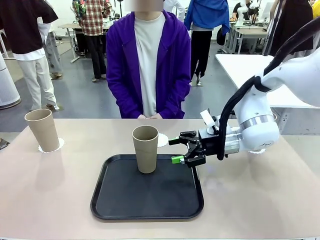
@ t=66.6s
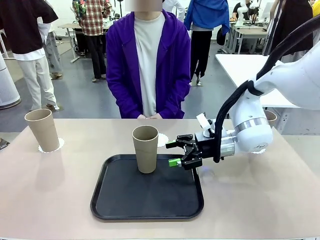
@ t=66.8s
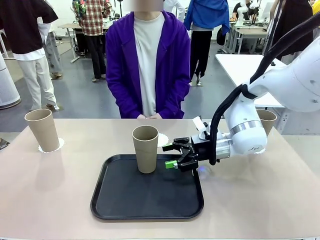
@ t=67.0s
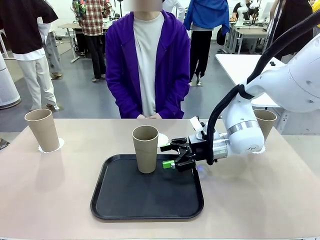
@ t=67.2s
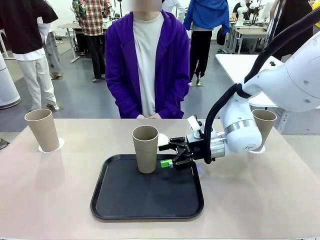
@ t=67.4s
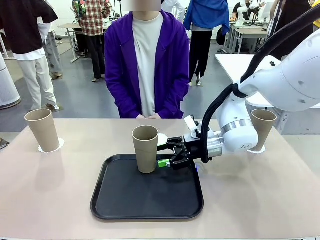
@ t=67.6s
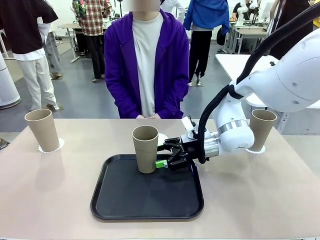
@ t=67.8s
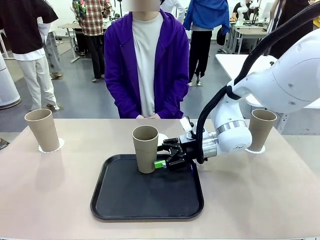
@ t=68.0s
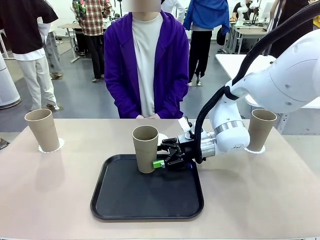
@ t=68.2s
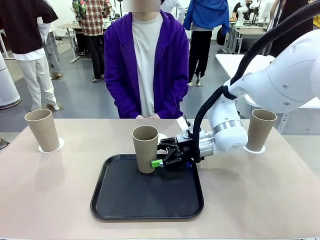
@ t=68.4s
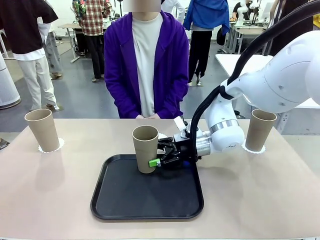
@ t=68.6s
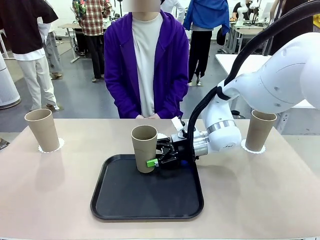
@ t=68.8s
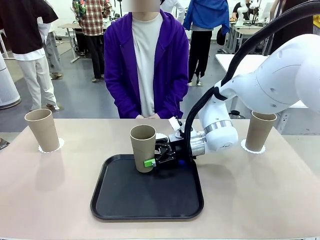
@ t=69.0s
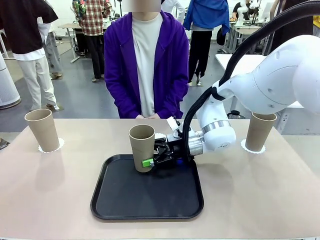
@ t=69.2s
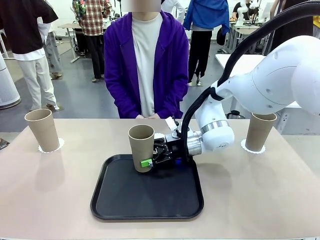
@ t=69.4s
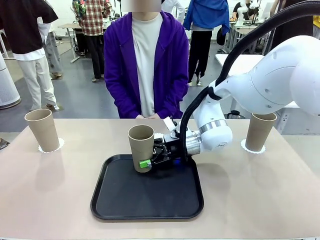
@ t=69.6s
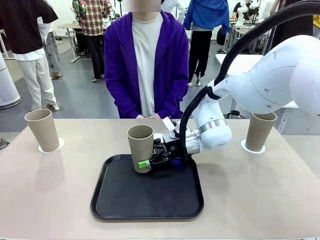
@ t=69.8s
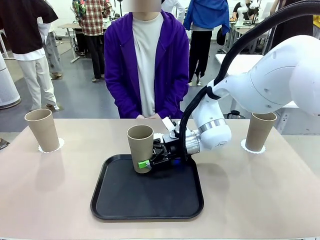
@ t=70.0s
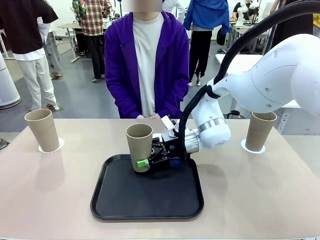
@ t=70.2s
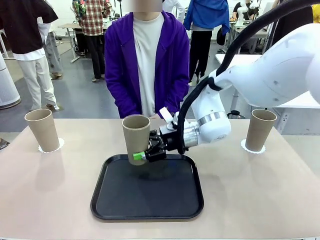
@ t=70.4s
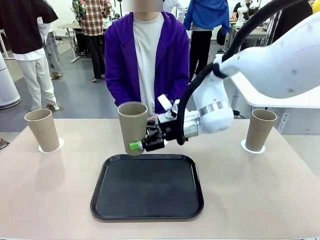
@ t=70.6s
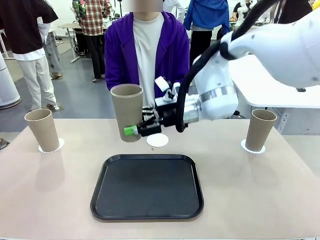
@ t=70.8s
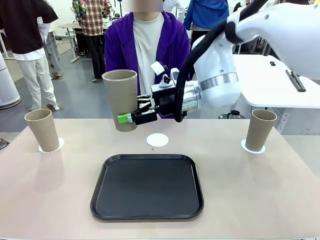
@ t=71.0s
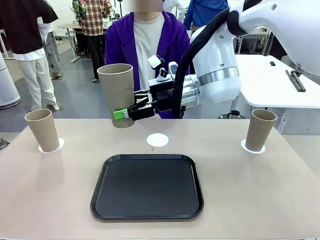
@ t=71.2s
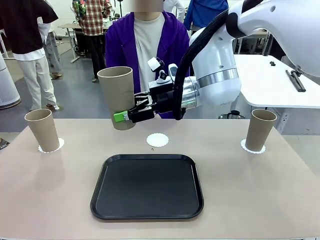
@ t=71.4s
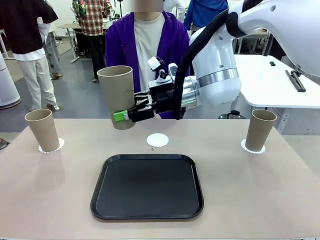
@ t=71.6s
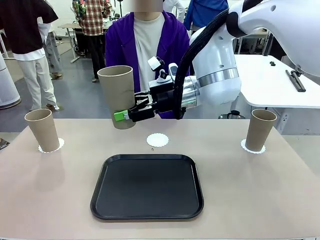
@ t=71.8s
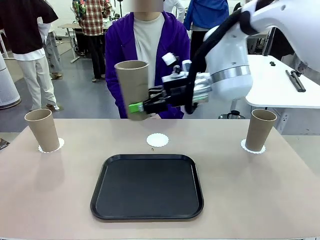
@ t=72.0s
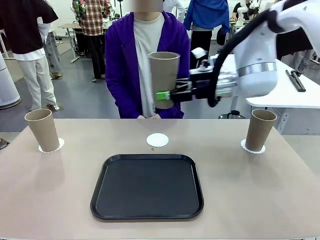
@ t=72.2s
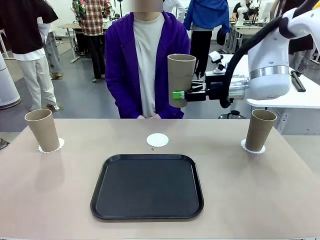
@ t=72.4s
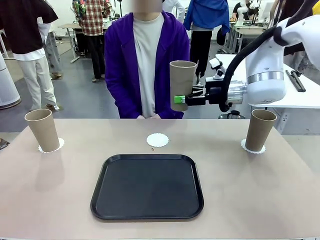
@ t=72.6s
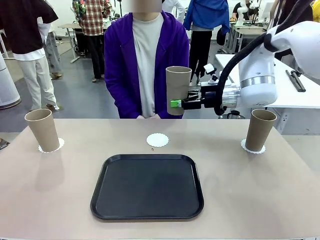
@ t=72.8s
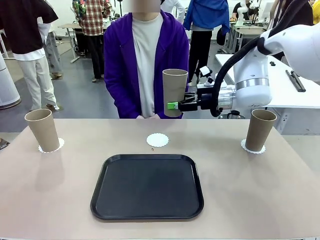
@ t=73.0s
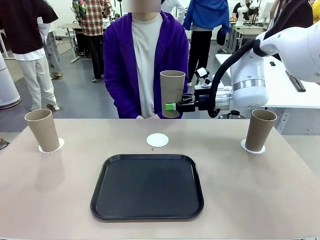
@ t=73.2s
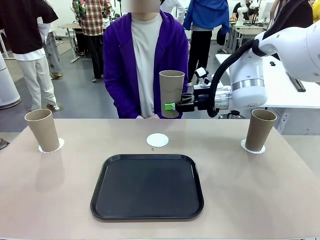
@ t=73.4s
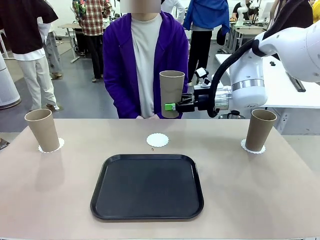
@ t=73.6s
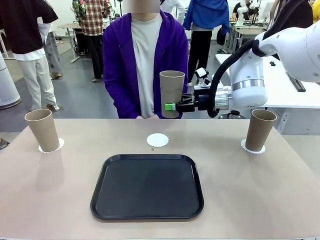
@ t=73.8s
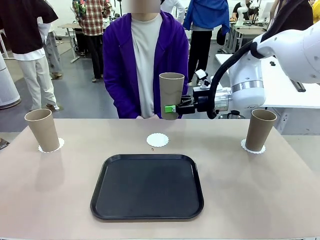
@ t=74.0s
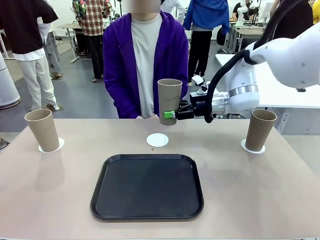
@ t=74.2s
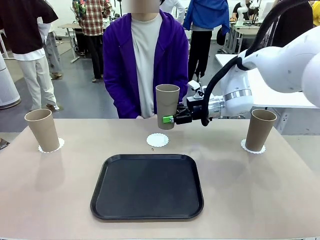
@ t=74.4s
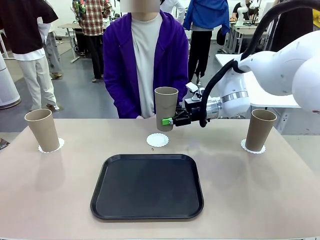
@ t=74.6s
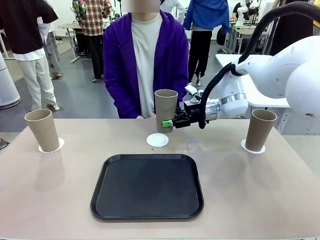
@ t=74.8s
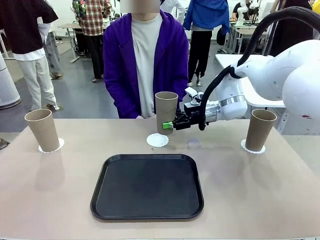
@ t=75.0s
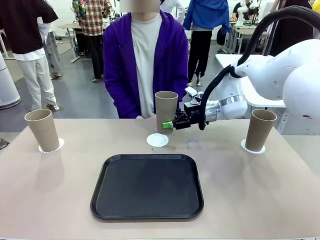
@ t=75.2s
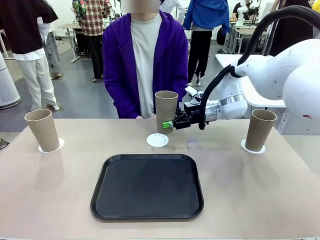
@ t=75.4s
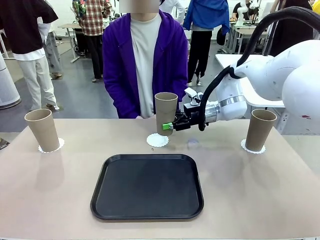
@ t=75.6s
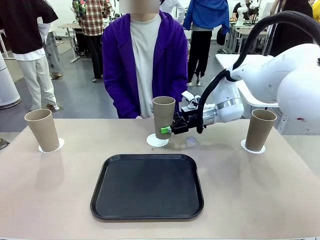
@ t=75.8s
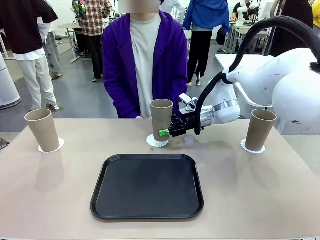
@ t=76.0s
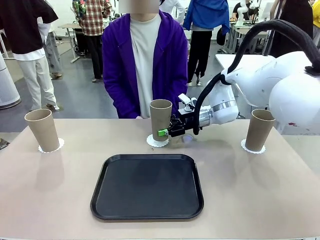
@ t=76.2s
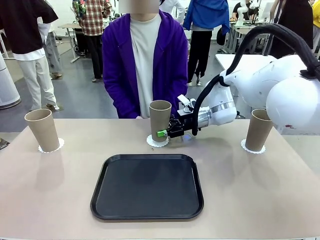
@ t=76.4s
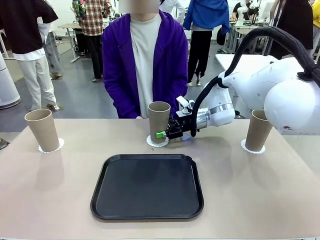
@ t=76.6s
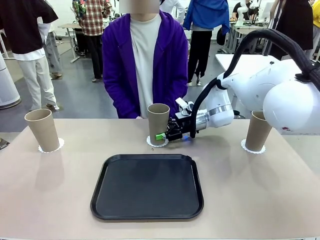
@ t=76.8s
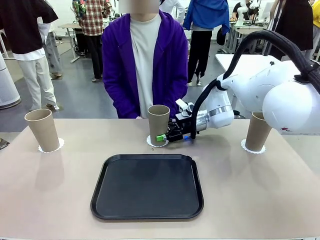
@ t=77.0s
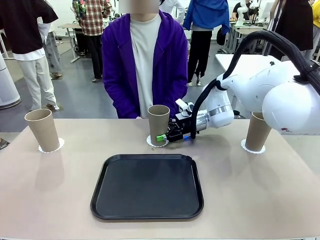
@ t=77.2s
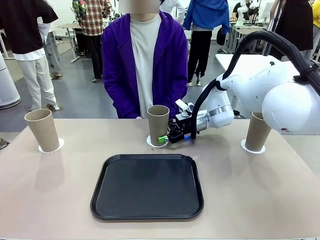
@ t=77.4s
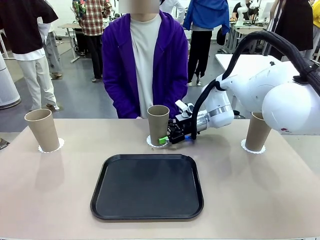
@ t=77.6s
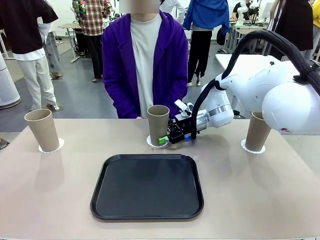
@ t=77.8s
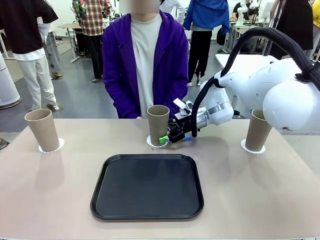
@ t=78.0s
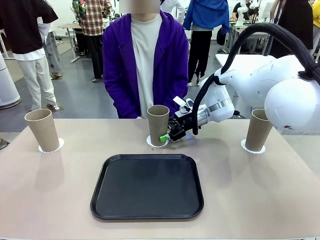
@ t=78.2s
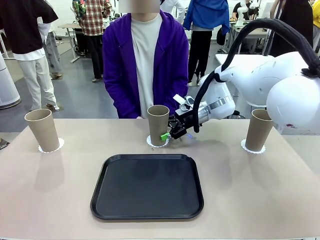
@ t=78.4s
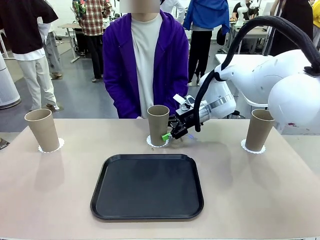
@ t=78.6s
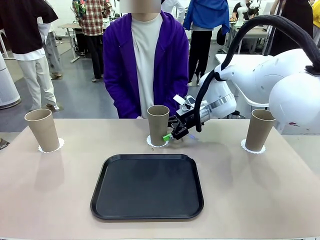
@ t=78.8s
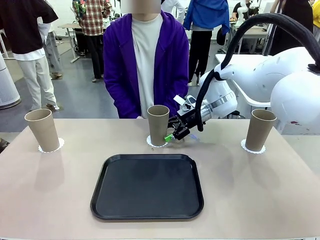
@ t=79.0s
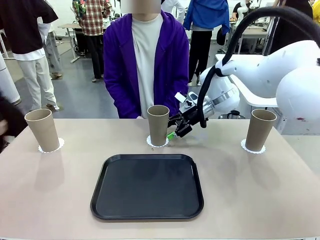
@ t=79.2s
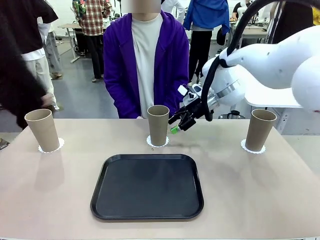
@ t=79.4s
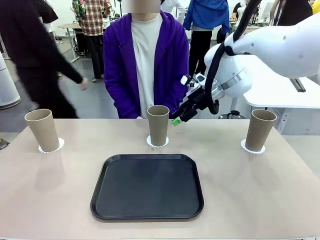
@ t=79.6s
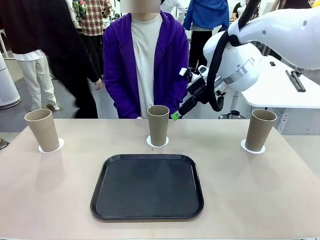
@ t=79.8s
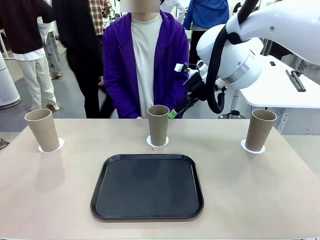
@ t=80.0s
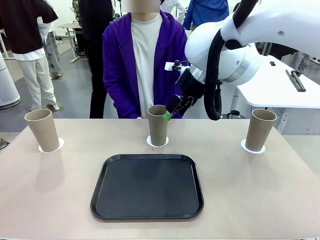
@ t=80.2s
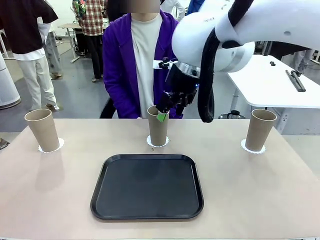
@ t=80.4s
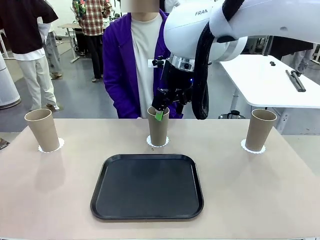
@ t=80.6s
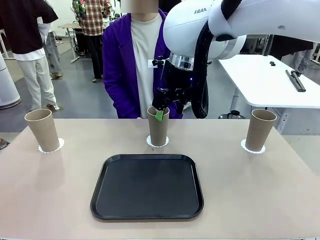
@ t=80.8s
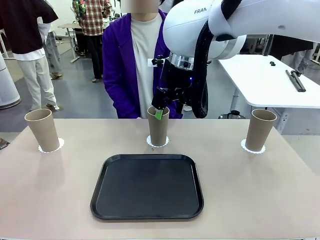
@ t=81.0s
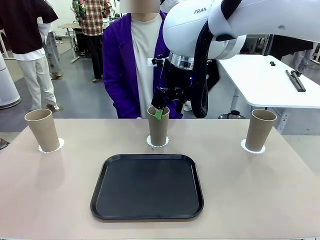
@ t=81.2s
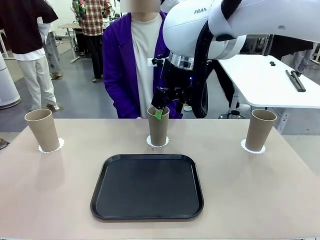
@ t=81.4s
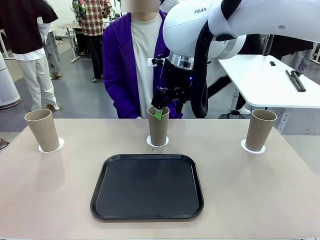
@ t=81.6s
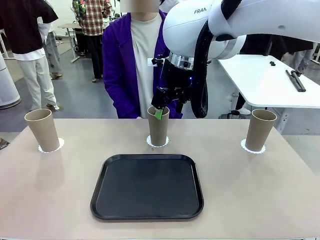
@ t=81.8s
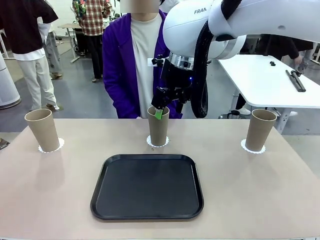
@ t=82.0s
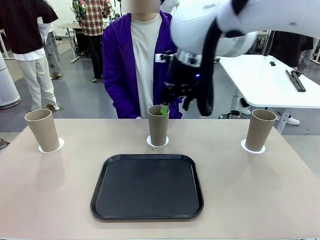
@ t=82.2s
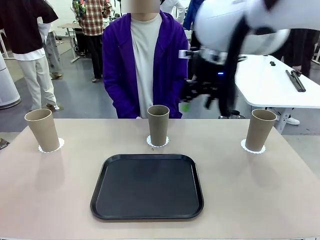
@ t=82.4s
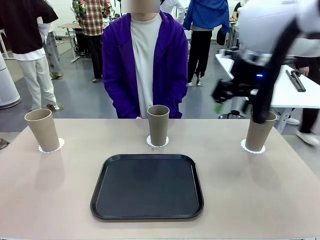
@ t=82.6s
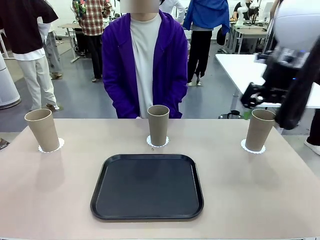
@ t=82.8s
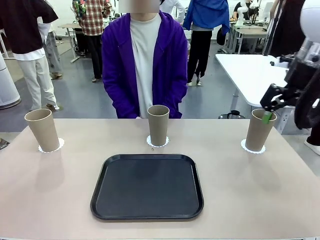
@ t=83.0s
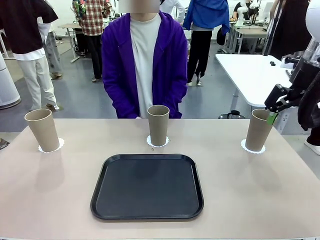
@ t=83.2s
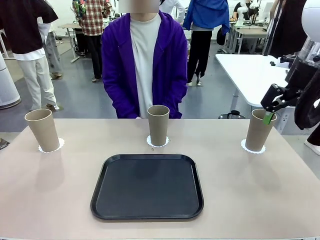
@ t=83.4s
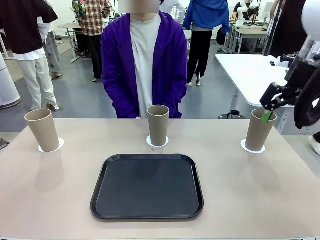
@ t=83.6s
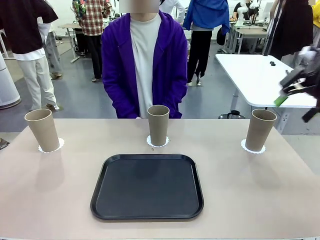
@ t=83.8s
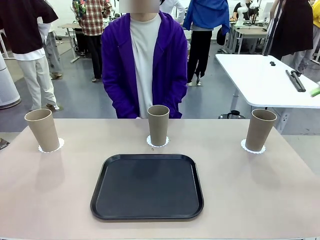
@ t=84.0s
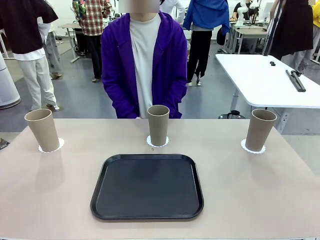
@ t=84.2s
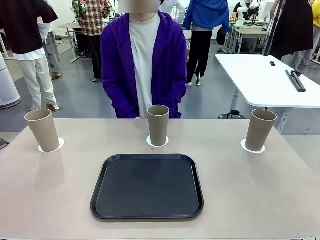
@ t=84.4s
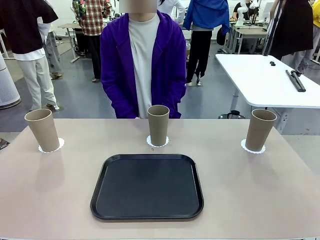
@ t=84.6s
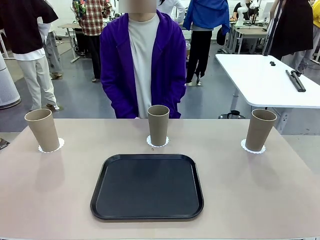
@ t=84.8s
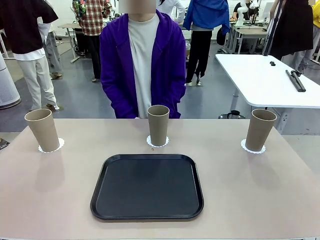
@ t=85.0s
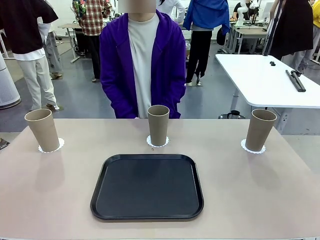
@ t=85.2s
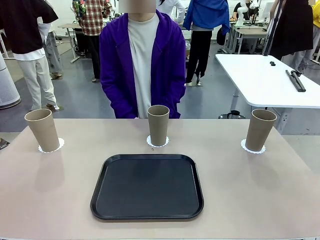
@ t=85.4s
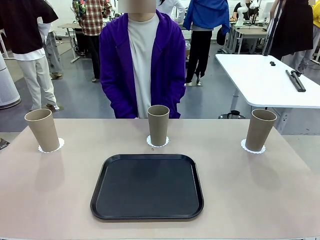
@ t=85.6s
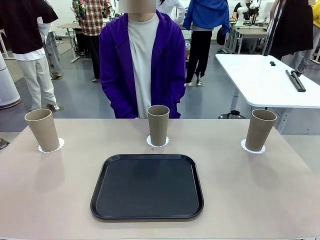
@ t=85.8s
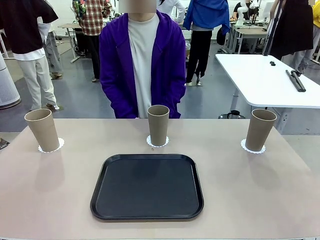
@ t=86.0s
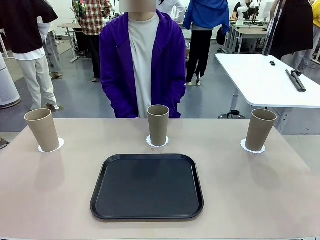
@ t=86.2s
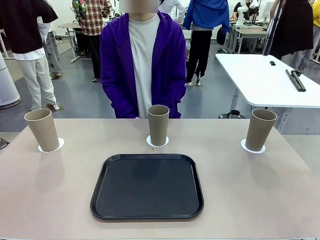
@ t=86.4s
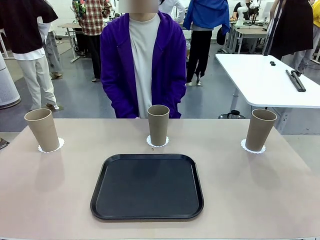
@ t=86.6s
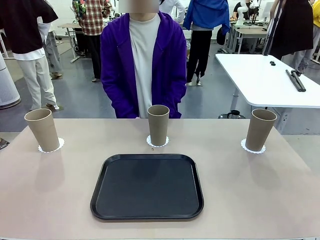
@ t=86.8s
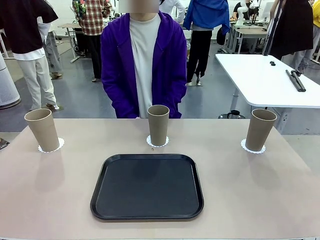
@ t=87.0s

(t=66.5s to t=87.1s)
Task: Place coasters on the table and set cups on them.
Robot: Take one Reusable plastic cup from the Flat Tray and place it on a coaster set by the human.
